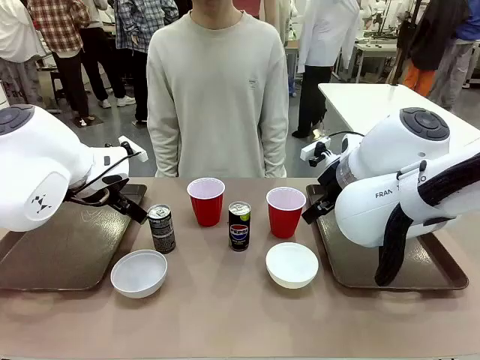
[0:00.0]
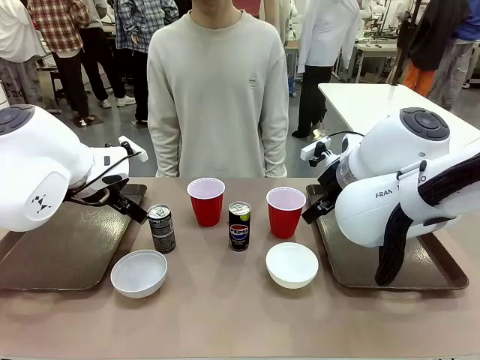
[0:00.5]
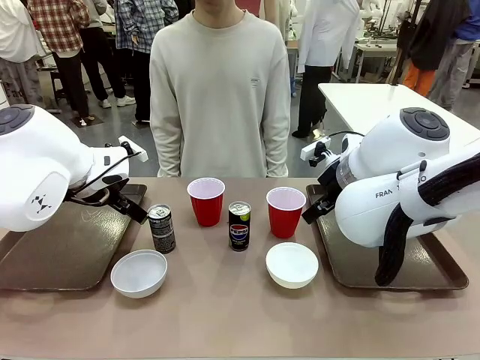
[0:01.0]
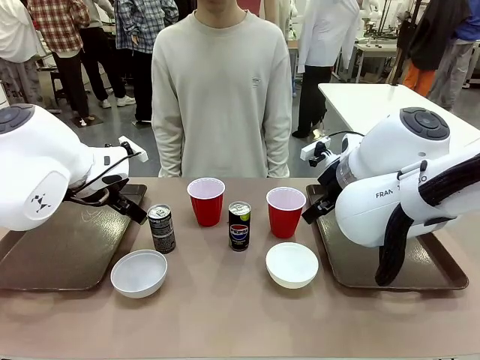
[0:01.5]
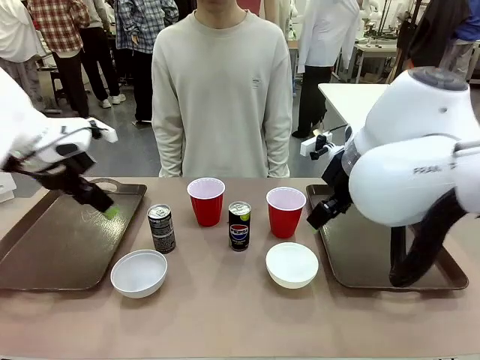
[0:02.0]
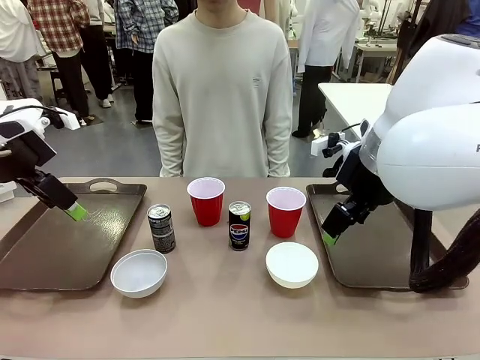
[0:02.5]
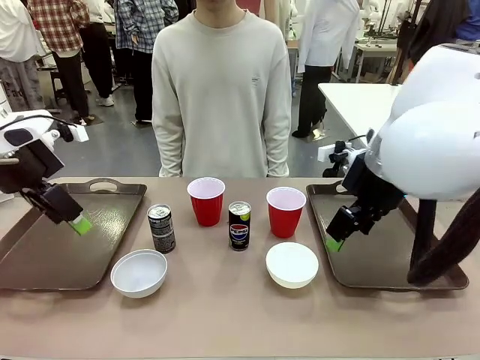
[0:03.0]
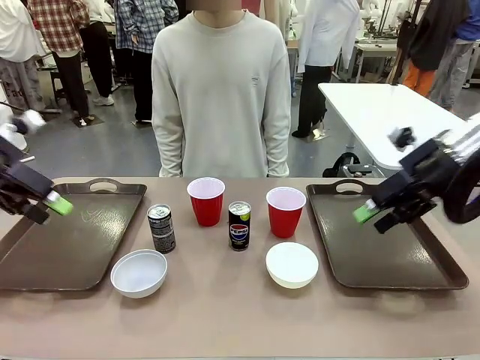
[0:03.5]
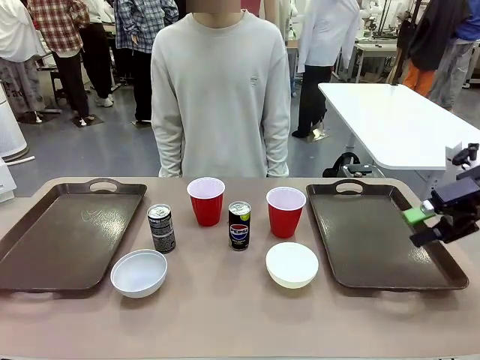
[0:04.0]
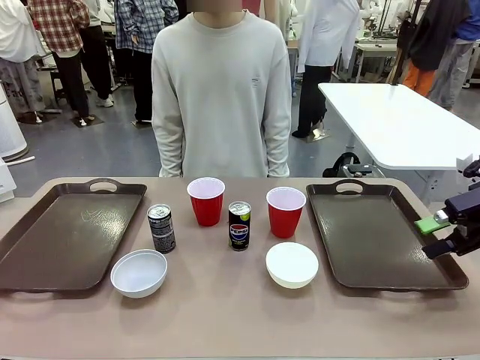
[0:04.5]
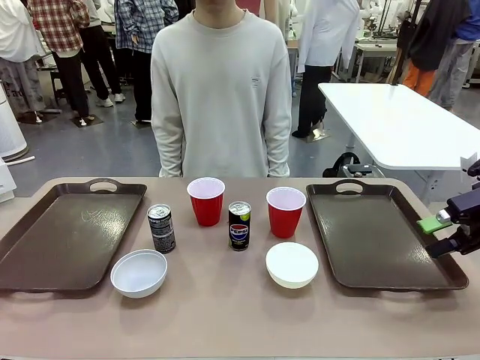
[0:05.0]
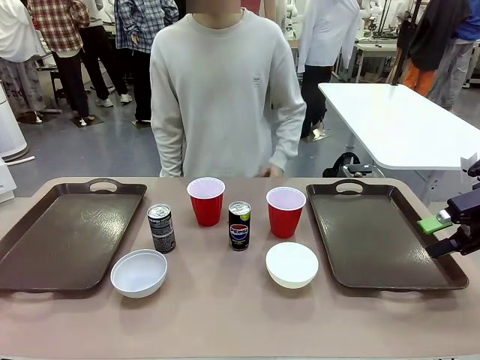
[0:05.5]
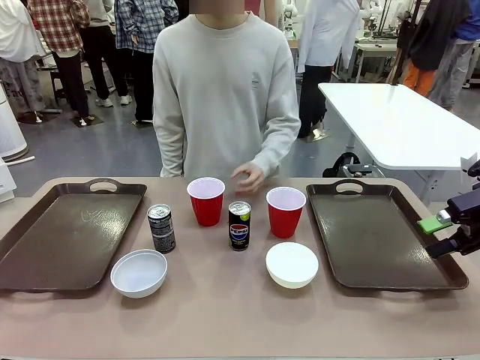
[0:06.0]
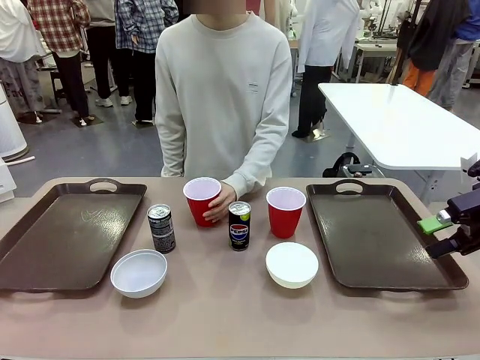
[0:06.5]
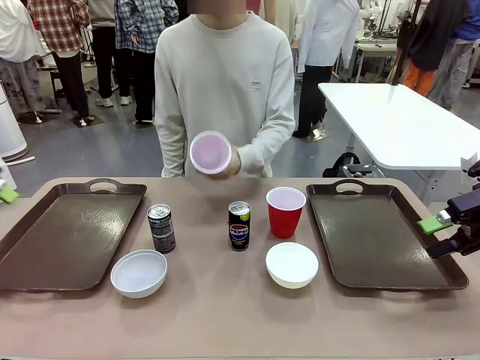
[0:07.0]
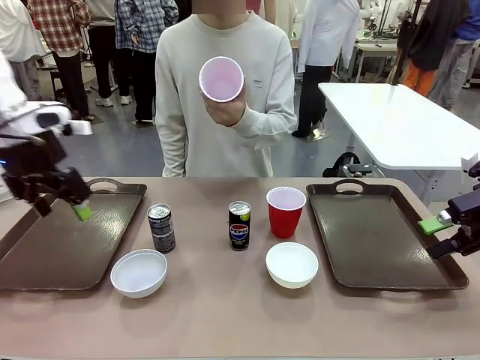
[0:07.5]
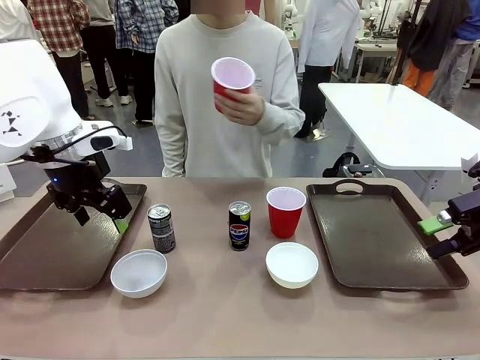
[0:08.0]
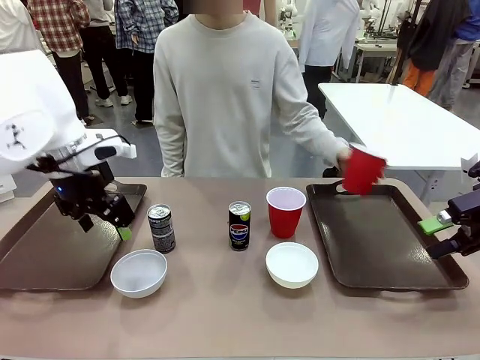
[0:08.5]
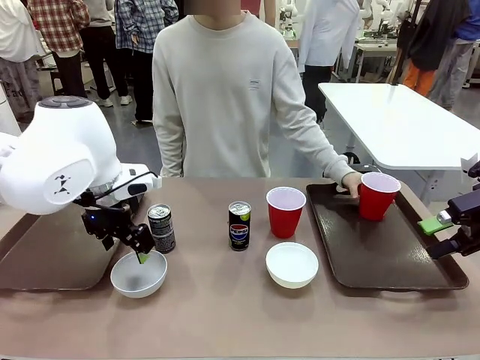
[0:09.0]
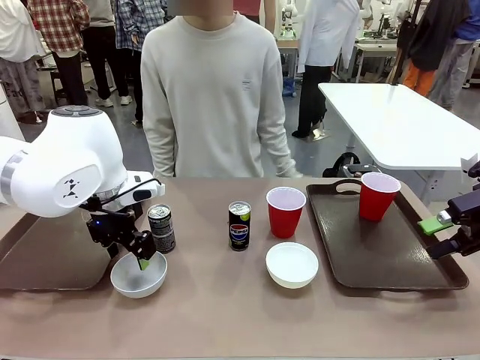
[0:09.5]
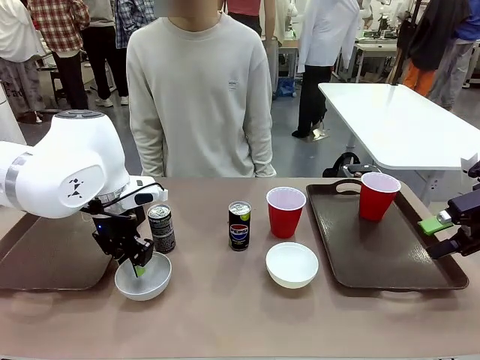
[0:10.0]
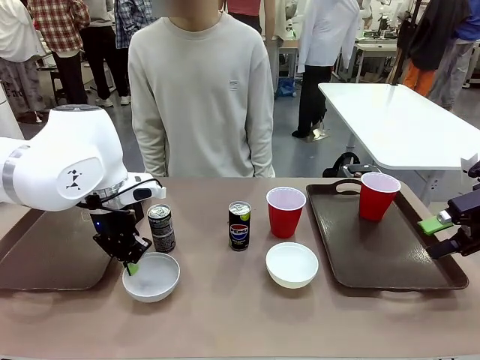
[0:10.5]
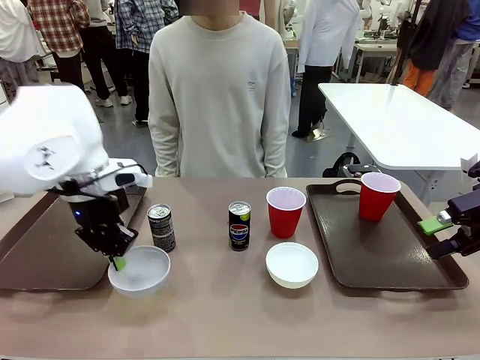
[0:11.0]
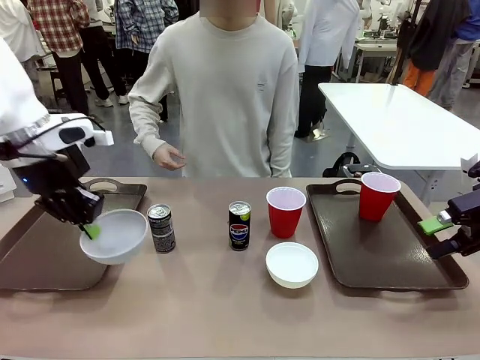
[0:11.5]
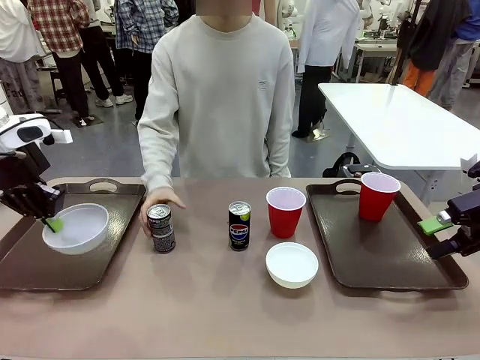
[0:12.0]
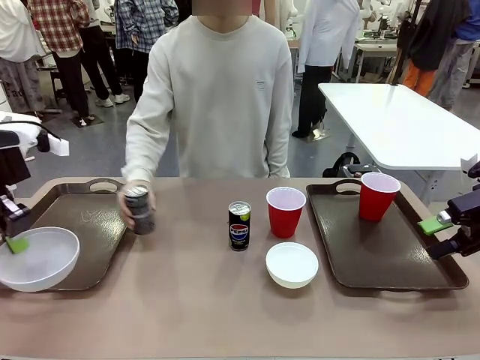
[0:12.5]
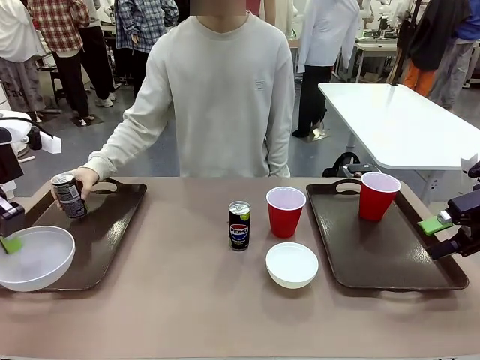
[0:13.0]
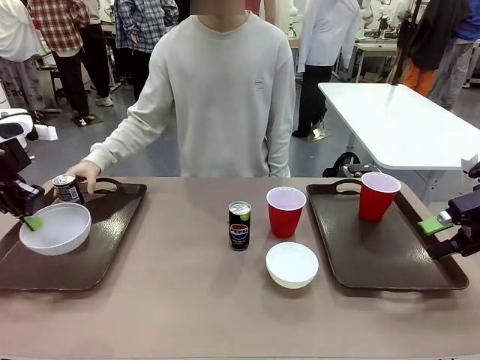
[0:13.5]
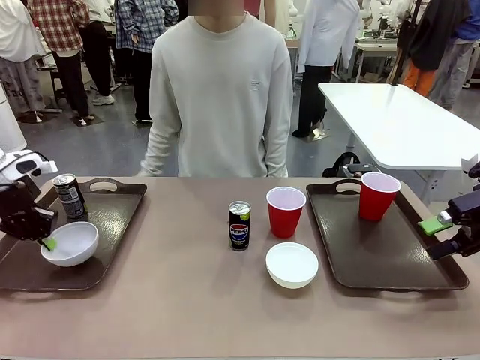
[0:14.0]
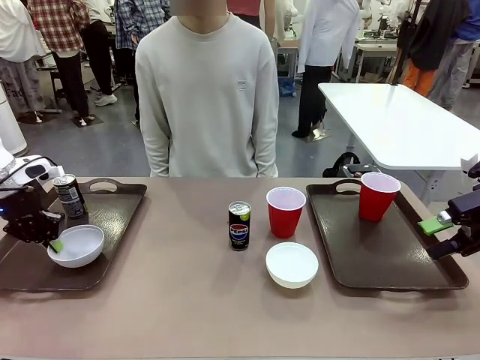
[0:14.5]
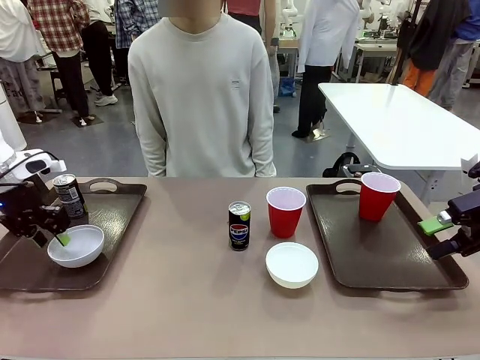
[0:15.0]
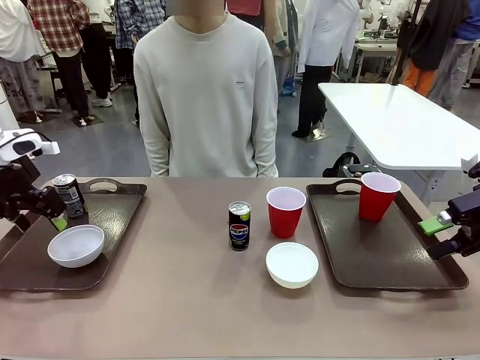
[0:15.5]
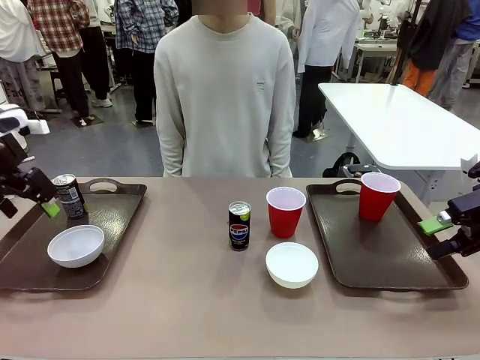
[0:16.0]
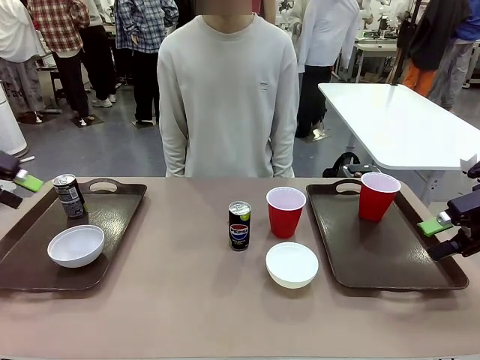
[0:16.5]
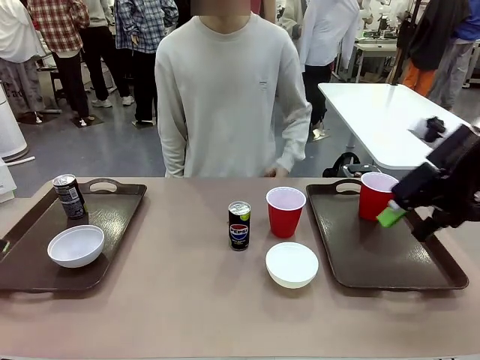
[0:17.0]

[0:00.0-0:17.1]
Task: Prepare tableware on both trays.
Robot: Pick up a Picnic Bowl from the table and place it on a Handle tray.
Person: Pick up a can or cup and place it on the tray.

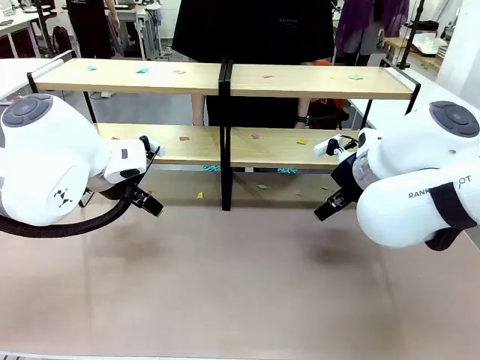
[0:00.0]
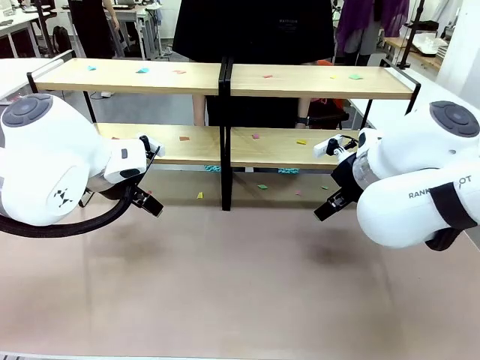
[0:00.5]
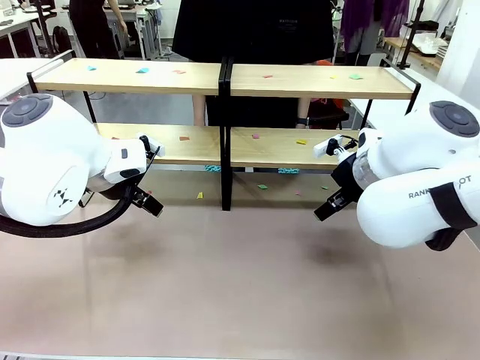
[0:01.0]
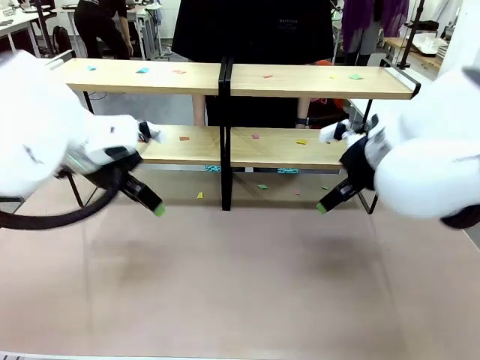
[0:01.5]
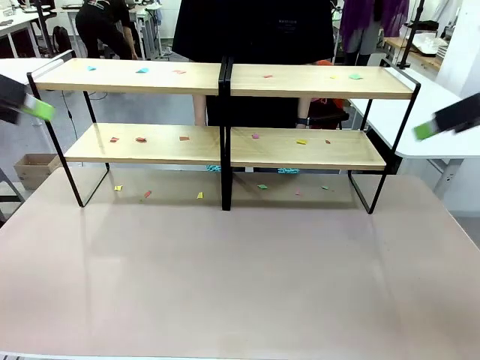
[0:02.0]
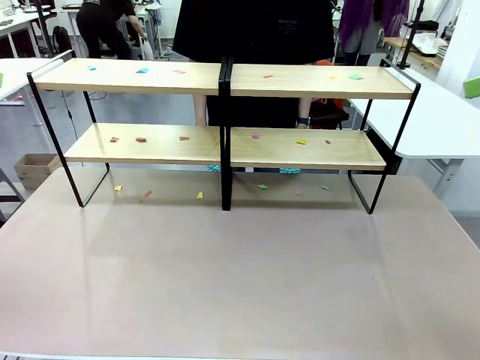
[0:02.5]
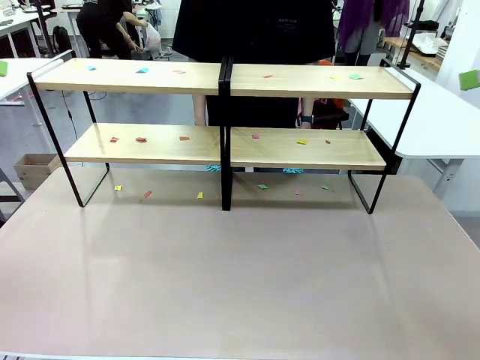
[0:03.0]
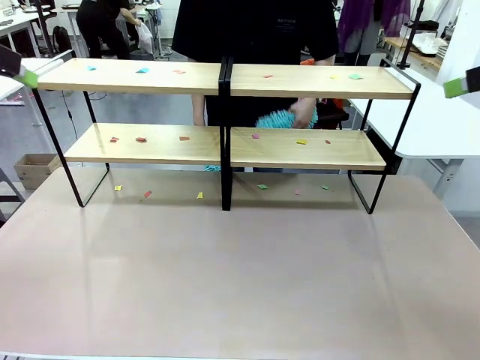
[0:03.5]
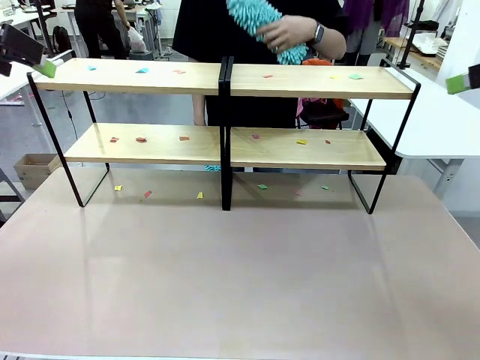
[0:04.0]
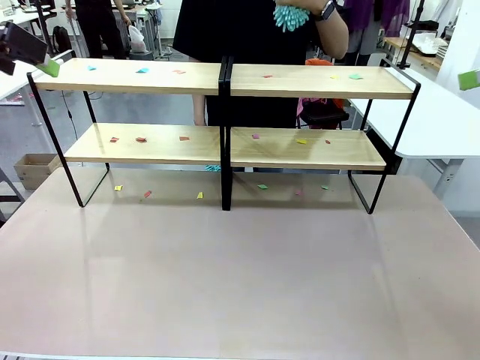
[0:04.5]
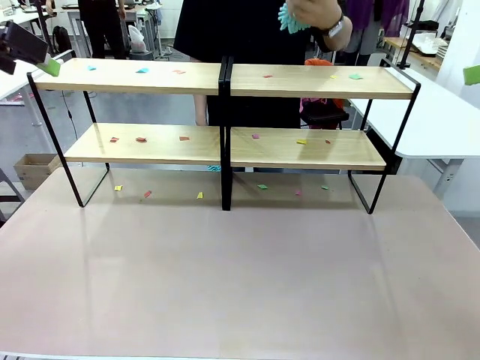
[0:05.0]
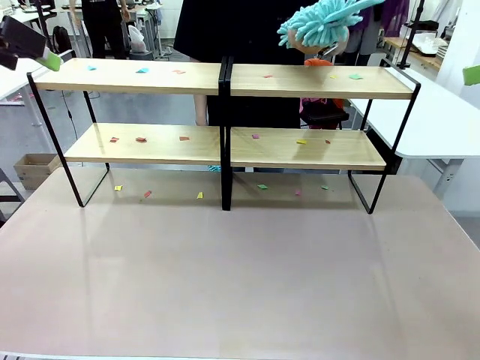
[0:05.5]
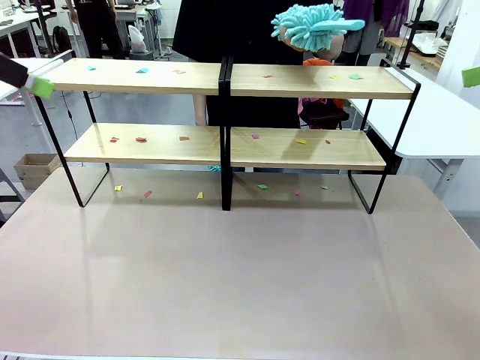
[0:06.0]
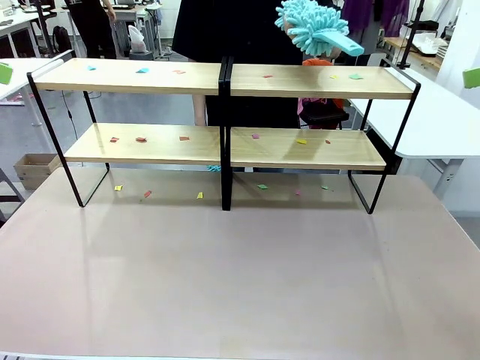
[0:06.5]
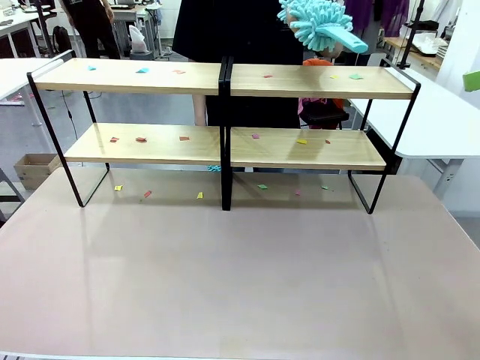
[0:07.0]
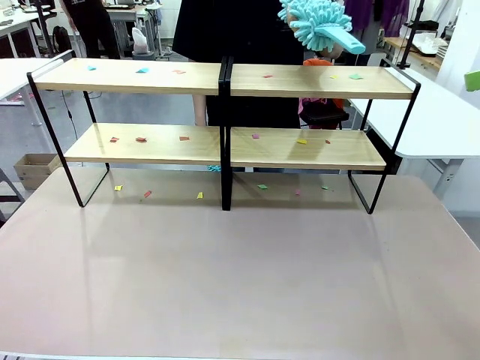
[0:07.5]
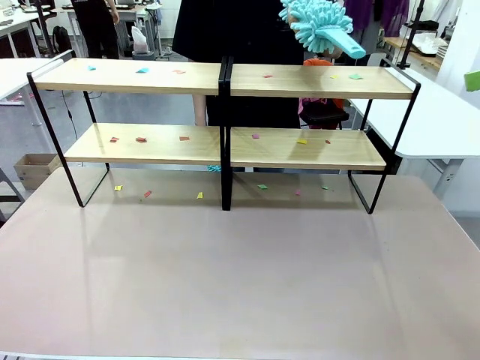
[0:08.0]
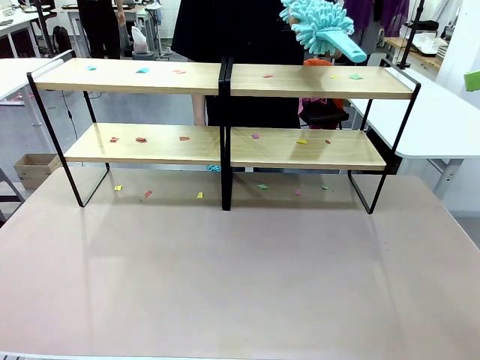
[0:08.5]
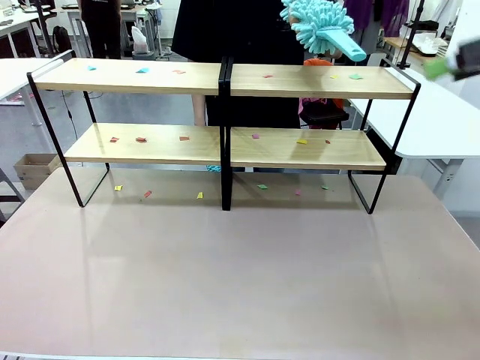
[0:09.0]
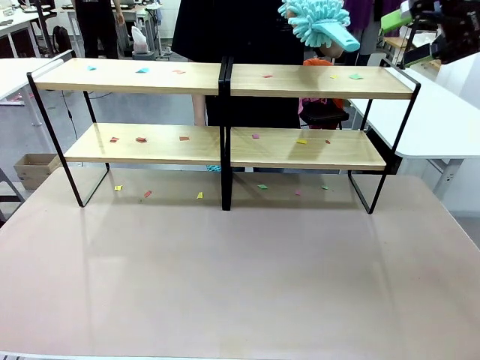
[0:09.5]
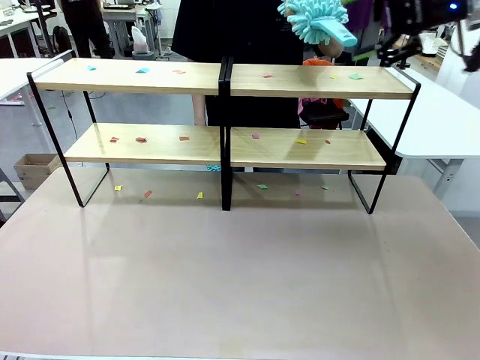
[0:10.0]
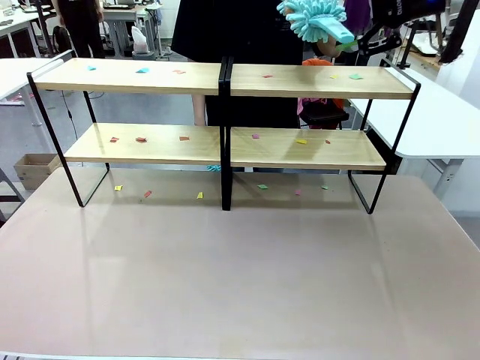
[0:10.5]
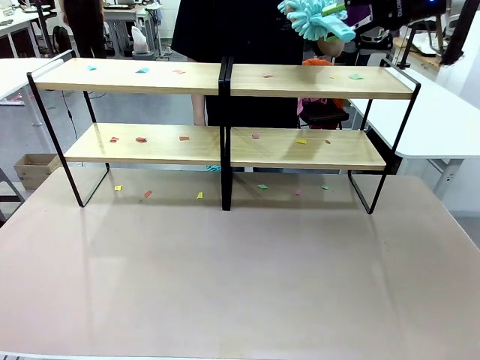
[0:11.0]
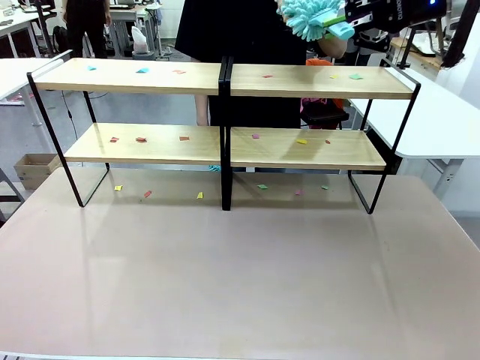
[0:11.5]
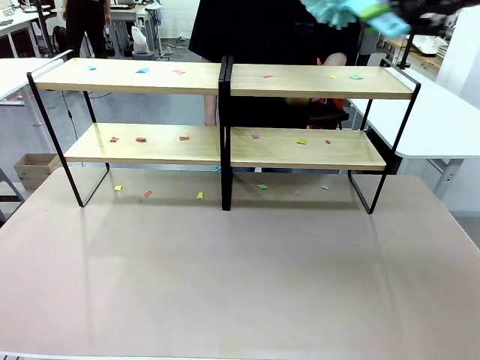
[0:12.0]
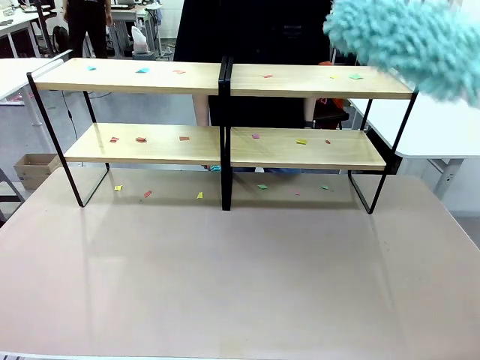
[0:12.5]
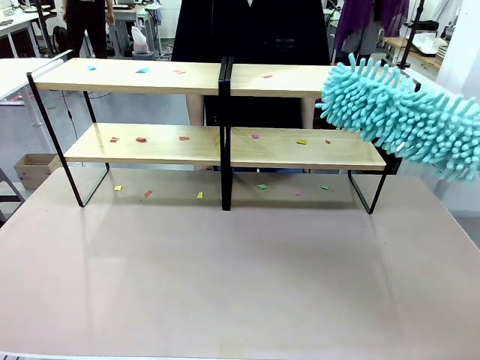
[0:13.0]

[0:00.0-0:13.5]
Task: Clean the shelves.
Robot: Pick up the Duster when the human hands it over.
Person: Hand the Duster to the robot with your right (or left) hand.
